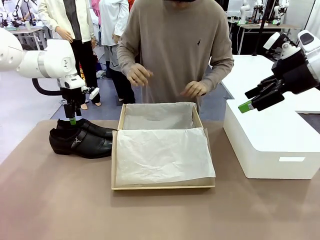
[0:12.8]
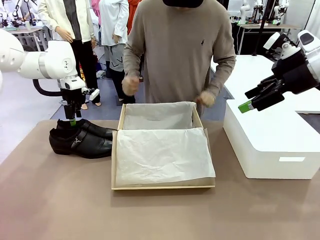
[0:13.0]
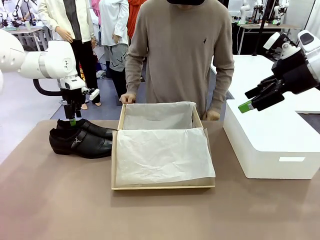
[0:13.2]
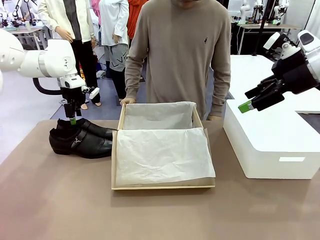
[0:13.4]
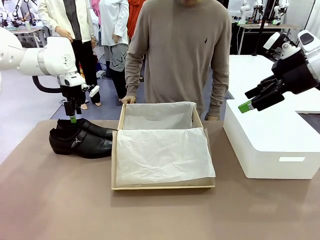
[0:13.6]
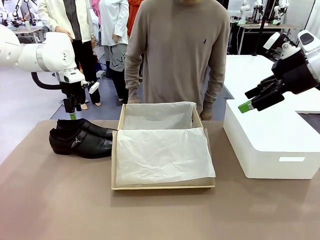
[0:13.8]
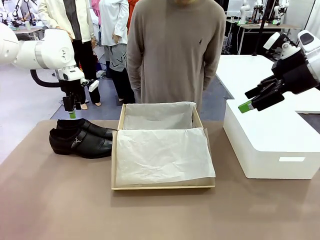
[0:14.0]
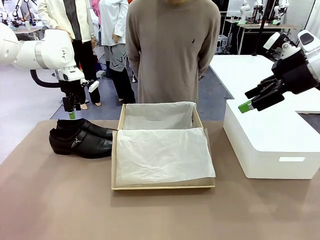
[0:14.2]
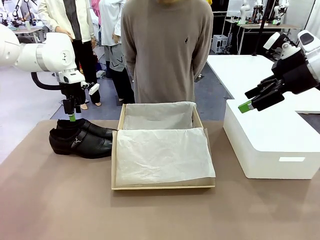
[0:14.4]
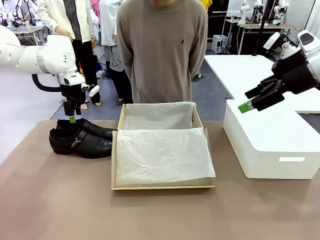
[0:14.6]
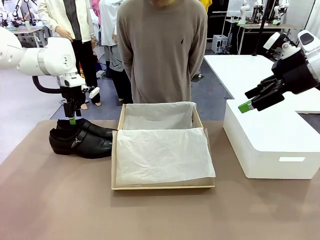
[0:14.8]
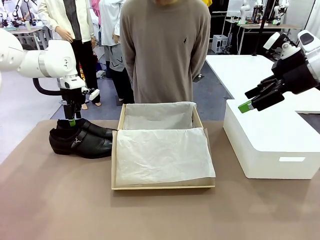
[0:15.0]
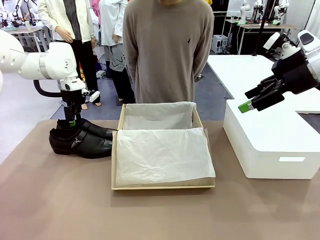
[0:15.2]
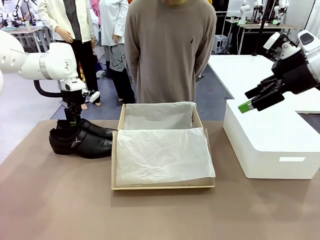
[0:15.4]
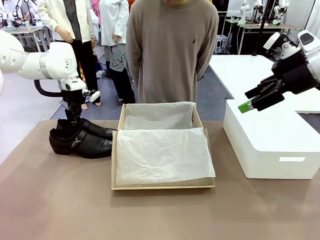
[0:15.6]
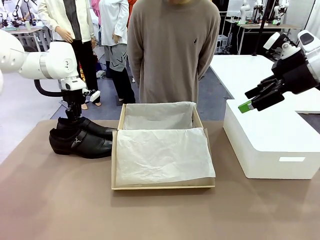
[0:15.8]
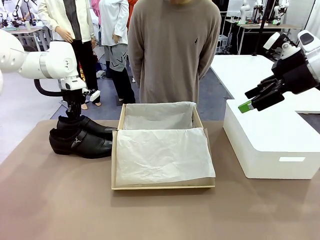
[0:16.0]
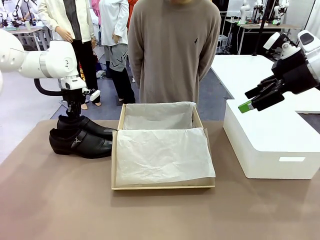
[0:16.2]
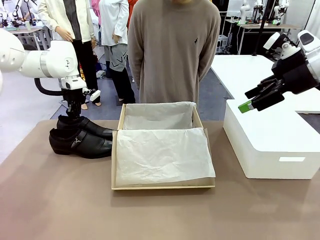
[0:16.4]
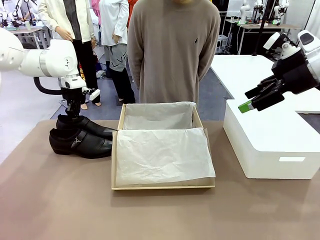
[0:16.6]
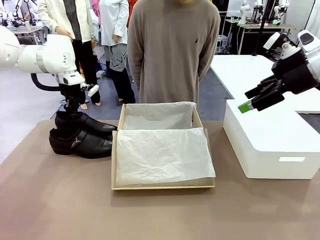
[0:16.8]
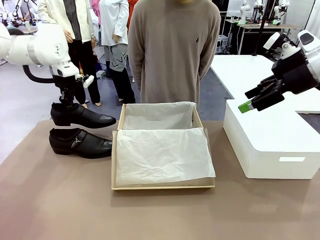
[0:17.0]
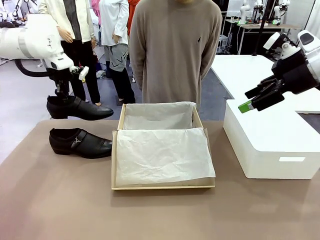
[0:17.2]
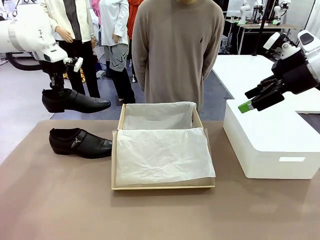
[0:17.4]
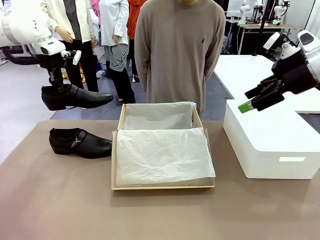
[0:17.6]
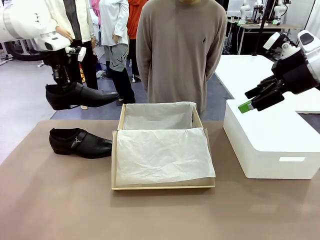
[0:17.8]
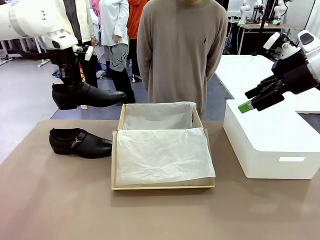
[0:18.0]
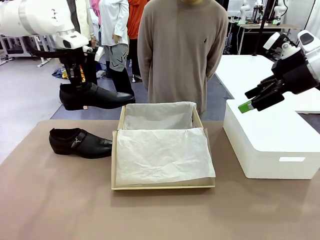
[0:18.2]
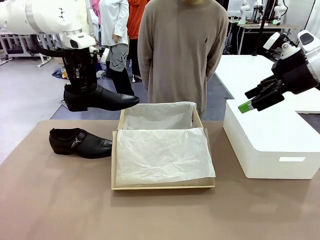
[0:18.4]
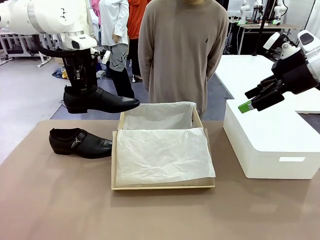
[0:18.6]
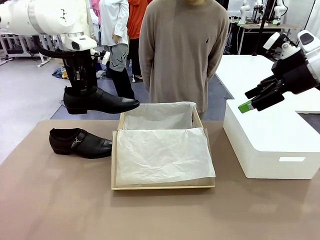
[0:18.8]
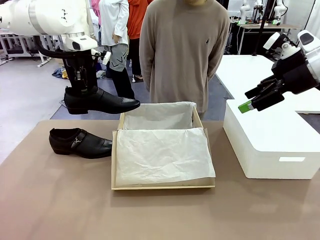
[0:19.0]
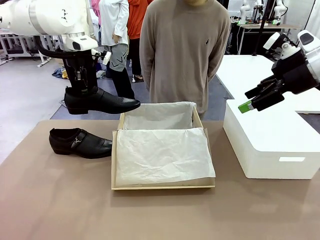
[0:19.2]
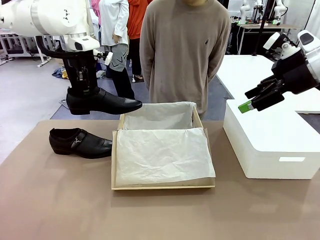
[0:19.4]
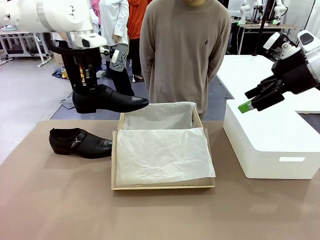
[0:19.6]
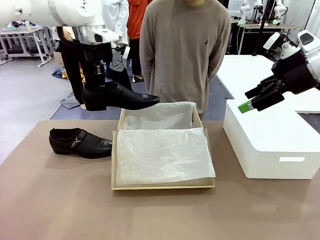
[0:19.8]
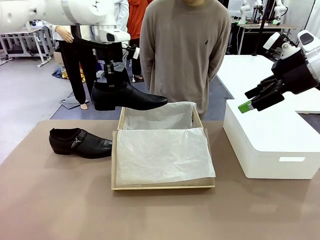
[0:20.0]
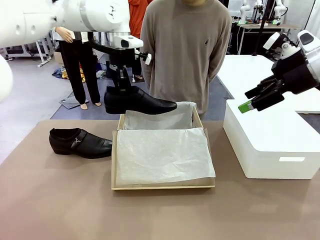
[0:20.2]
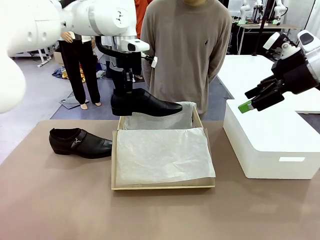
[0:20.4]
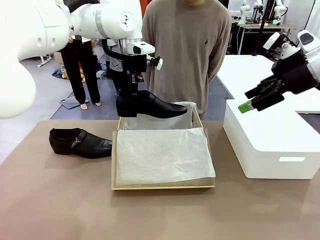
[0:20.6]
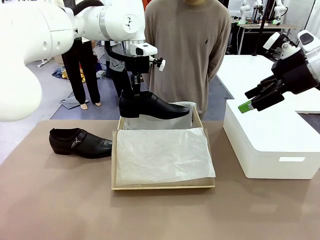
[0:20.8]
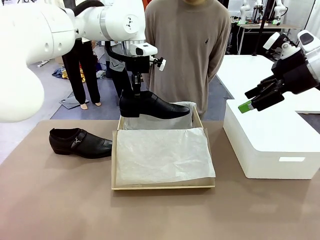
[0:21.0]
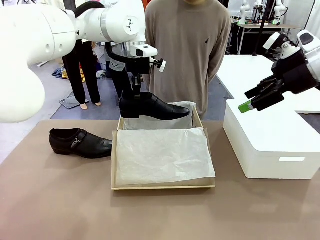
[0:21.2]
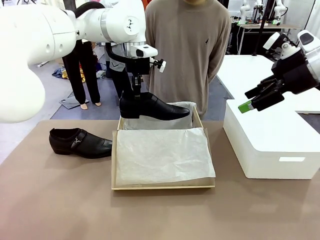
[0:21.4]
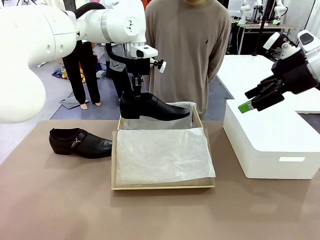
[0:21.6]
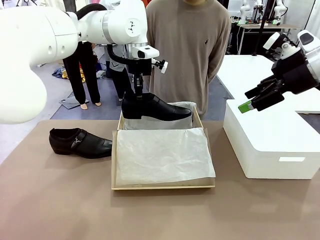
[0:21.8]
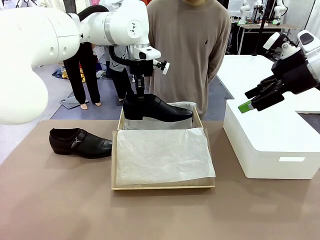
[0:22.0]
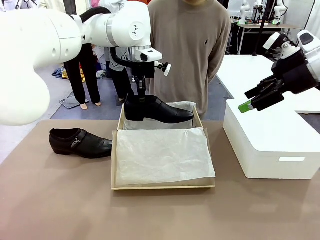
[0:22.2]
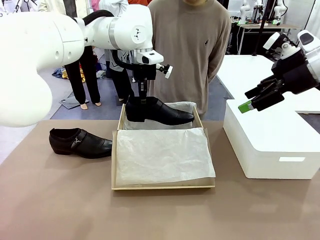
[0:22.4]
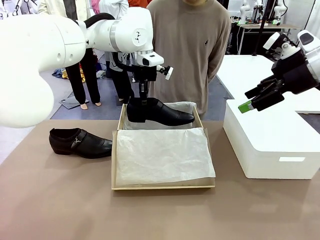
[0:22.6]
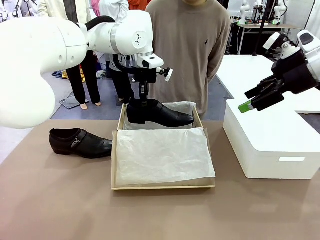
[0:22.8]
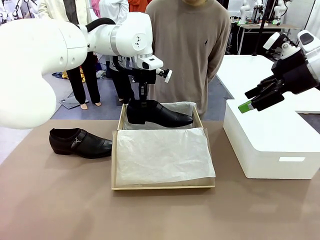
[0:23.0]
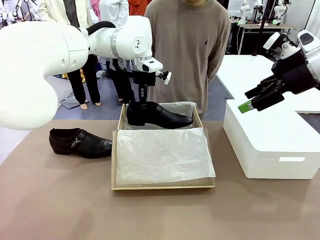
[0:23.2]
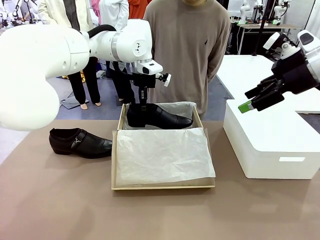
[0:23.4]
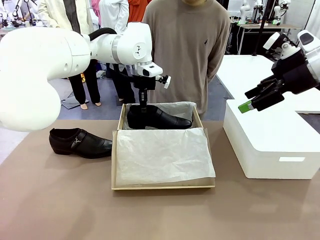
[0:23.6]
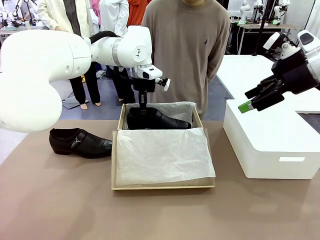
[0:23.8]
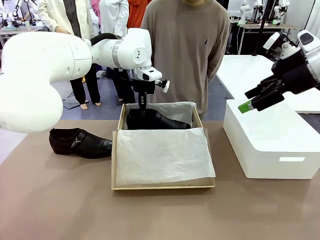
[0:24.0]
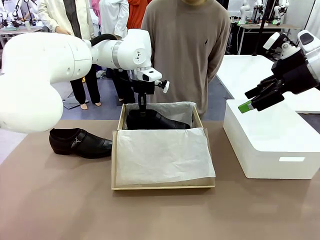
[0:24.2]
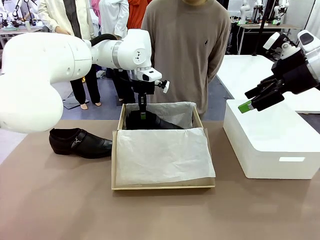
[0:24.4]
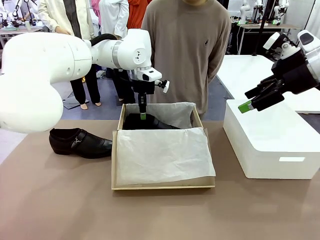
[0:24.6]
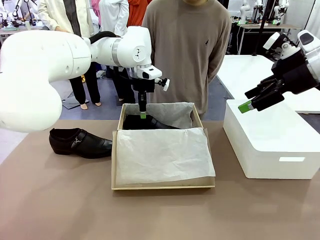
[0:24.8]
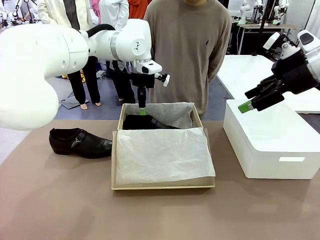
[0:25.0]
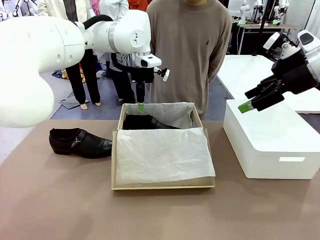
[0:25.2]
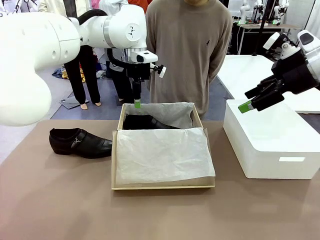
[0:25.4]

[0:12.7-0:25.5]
Task: Pack the shoes into the box.
Robot: Place one shoe of the Shoes into the Shoes Box.
